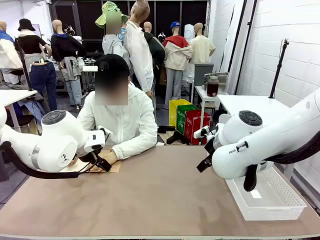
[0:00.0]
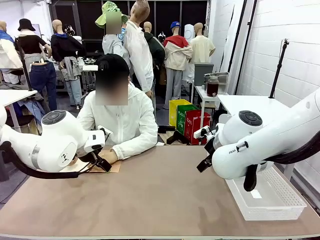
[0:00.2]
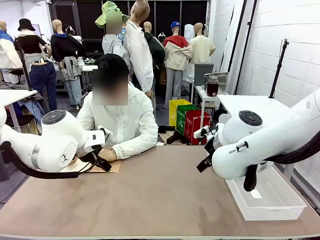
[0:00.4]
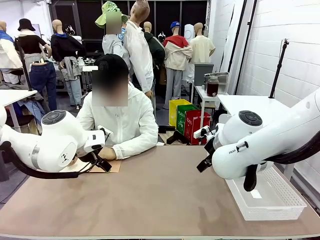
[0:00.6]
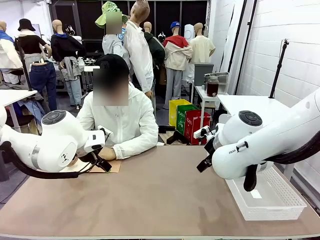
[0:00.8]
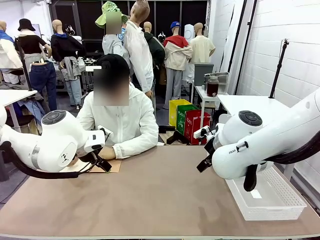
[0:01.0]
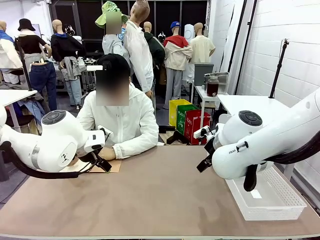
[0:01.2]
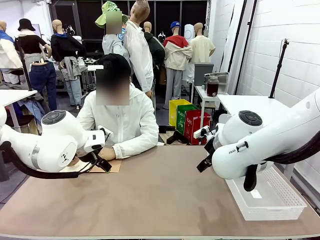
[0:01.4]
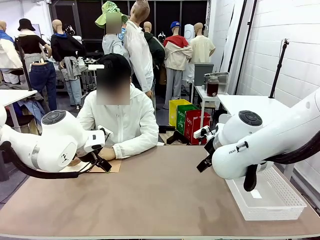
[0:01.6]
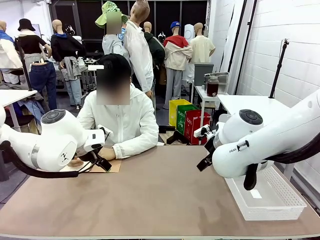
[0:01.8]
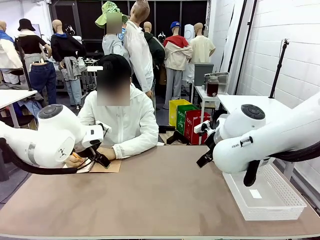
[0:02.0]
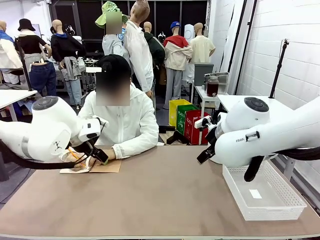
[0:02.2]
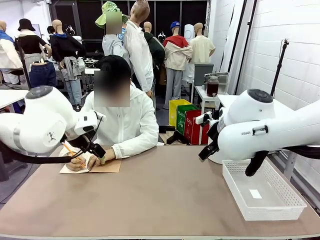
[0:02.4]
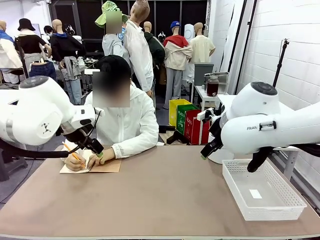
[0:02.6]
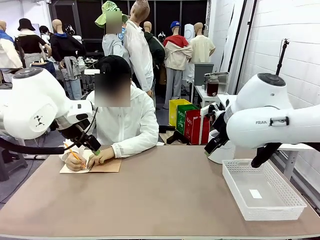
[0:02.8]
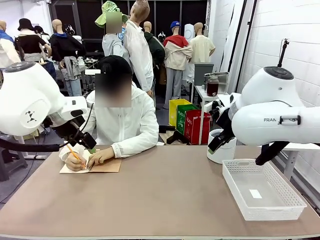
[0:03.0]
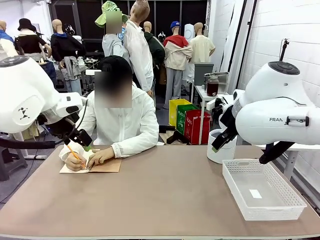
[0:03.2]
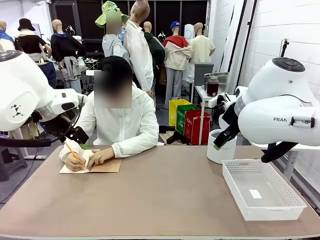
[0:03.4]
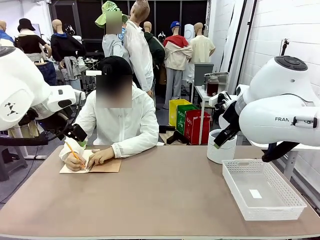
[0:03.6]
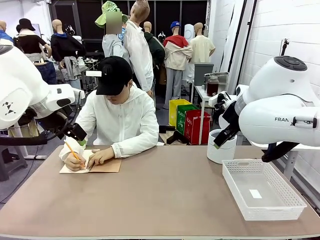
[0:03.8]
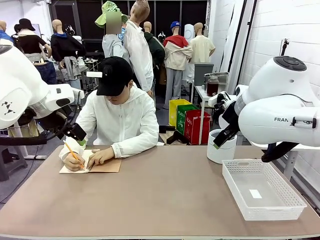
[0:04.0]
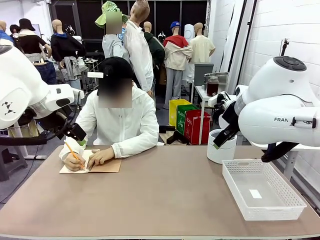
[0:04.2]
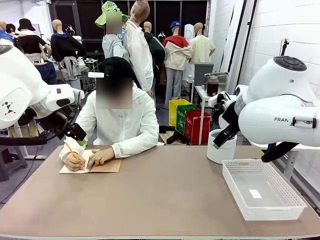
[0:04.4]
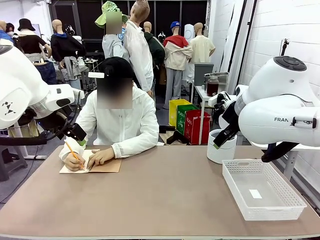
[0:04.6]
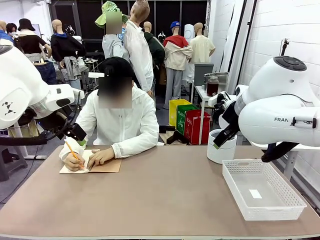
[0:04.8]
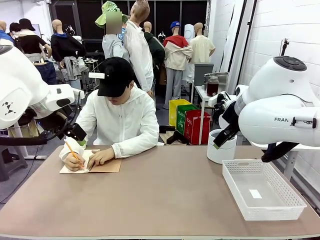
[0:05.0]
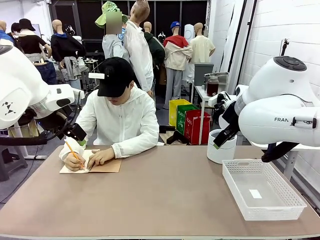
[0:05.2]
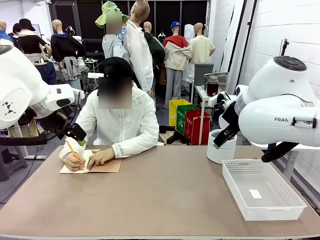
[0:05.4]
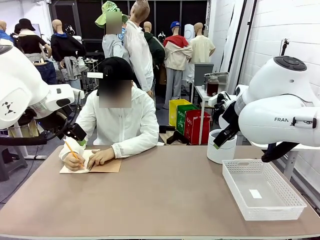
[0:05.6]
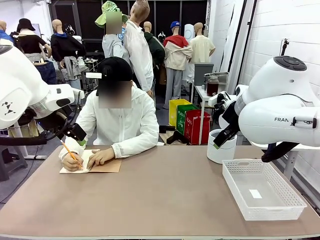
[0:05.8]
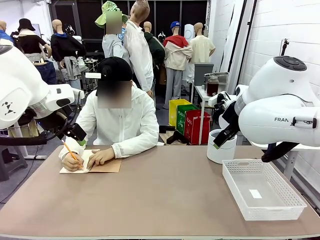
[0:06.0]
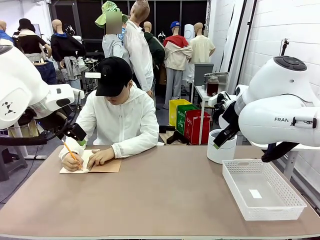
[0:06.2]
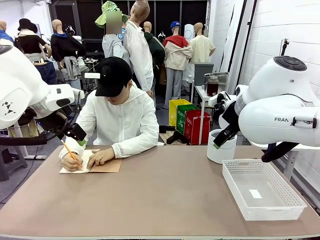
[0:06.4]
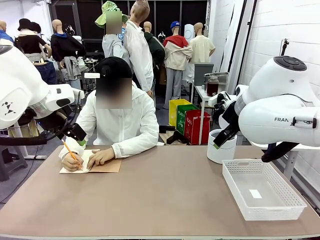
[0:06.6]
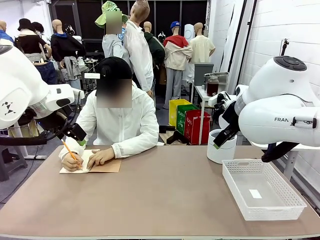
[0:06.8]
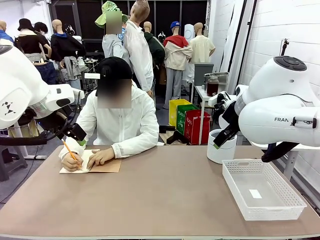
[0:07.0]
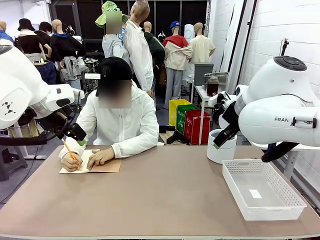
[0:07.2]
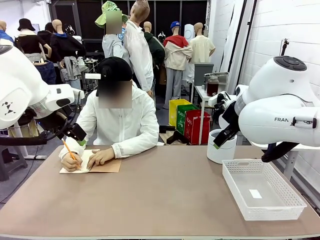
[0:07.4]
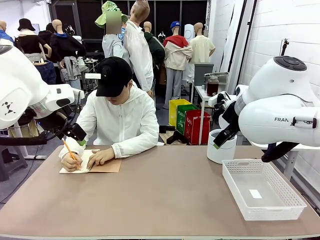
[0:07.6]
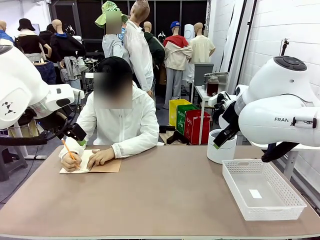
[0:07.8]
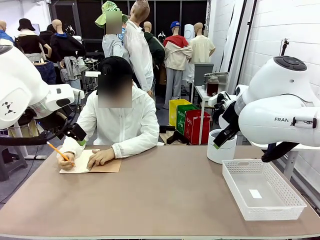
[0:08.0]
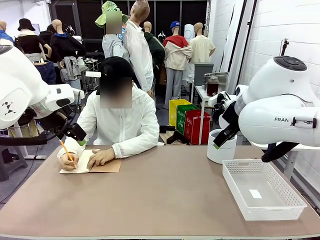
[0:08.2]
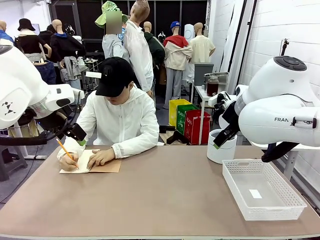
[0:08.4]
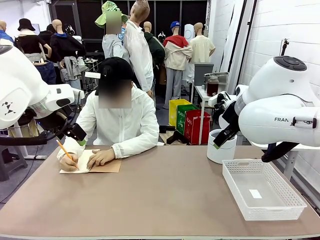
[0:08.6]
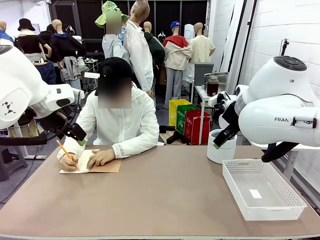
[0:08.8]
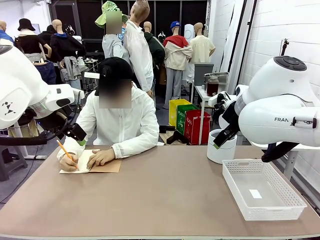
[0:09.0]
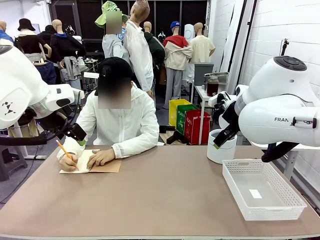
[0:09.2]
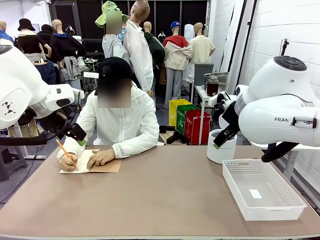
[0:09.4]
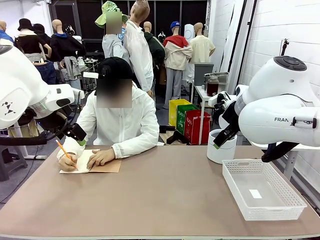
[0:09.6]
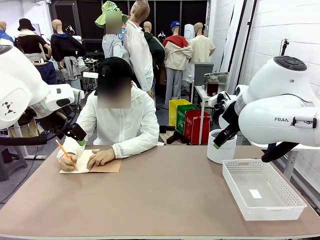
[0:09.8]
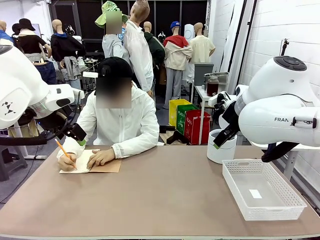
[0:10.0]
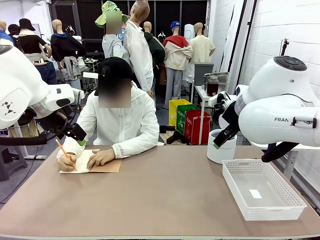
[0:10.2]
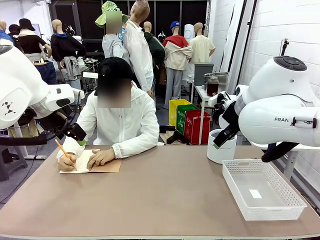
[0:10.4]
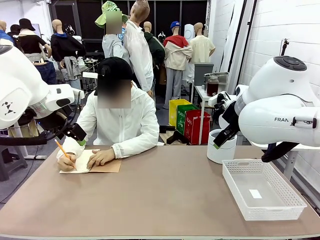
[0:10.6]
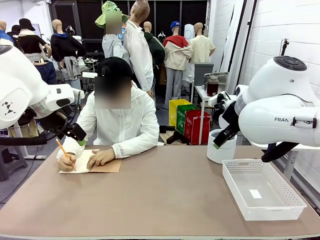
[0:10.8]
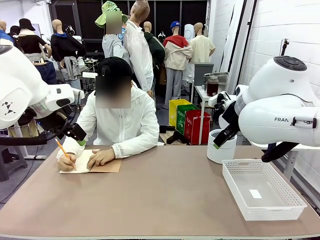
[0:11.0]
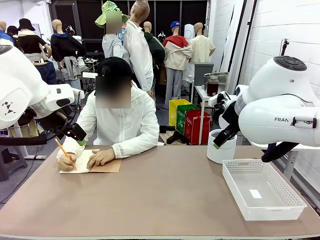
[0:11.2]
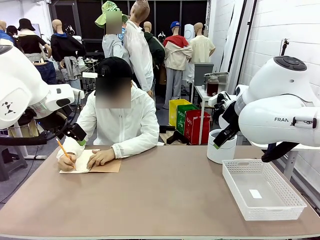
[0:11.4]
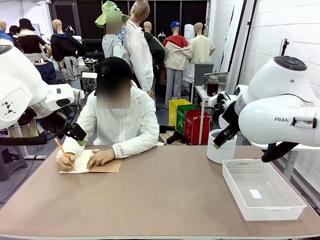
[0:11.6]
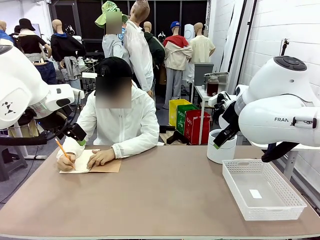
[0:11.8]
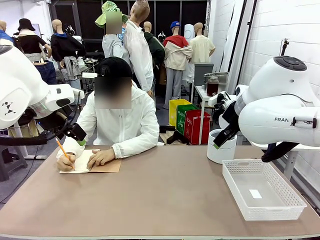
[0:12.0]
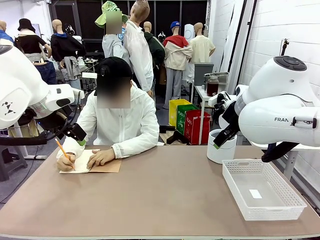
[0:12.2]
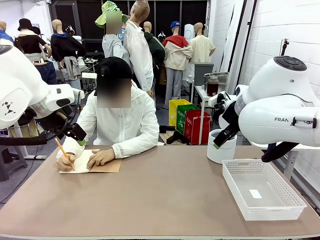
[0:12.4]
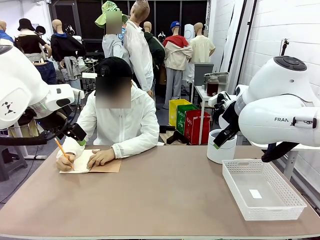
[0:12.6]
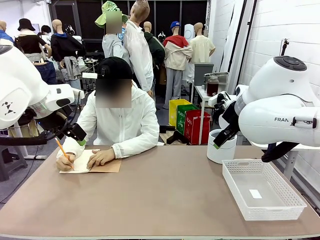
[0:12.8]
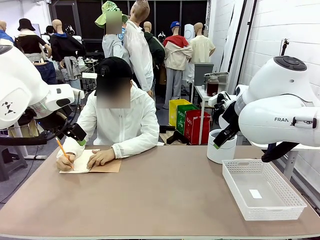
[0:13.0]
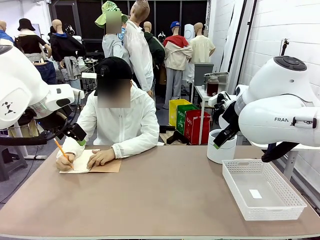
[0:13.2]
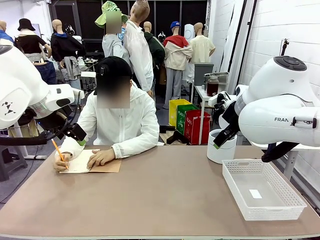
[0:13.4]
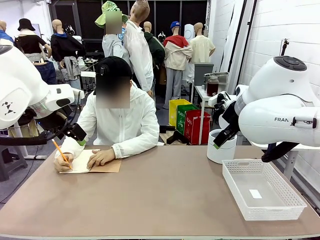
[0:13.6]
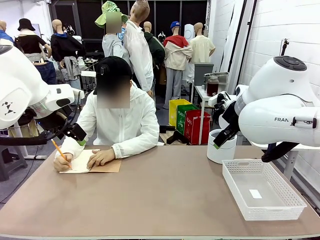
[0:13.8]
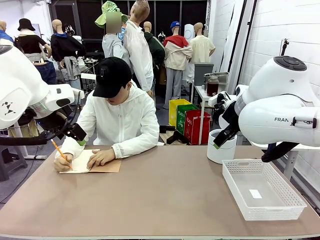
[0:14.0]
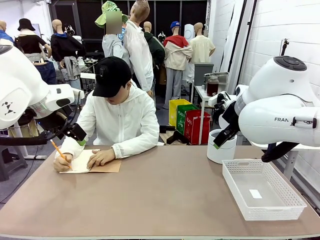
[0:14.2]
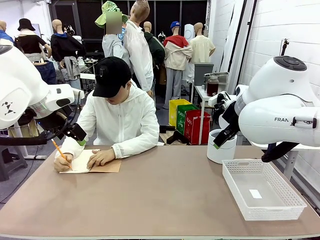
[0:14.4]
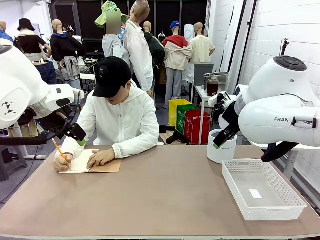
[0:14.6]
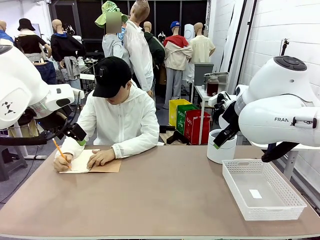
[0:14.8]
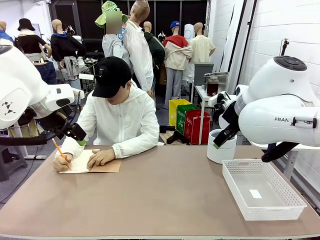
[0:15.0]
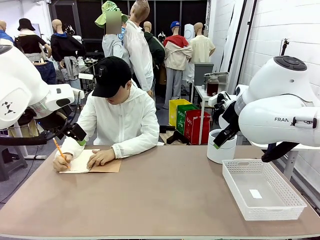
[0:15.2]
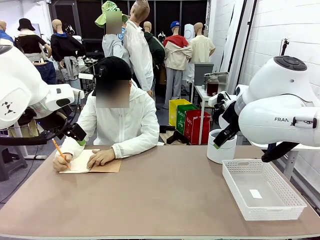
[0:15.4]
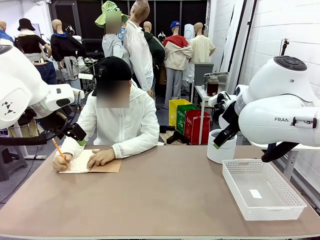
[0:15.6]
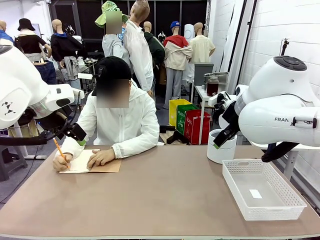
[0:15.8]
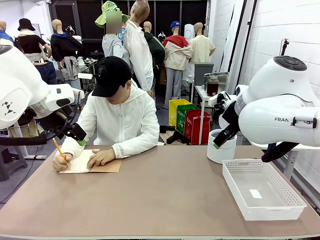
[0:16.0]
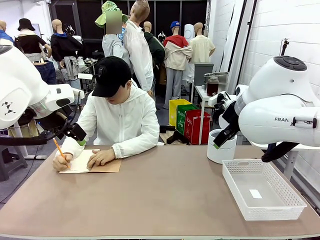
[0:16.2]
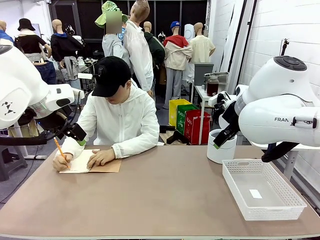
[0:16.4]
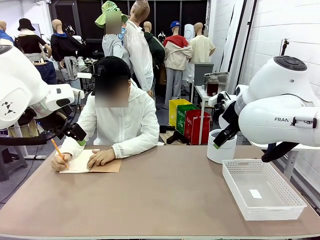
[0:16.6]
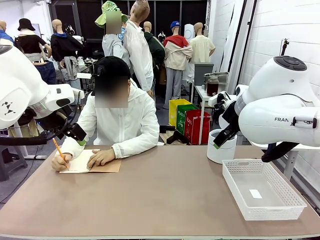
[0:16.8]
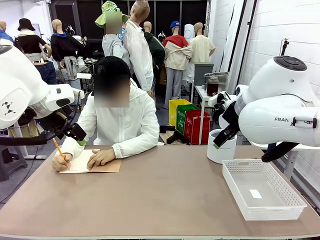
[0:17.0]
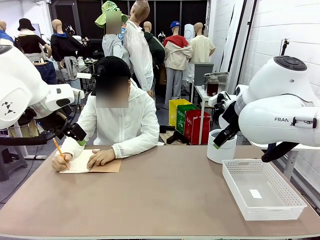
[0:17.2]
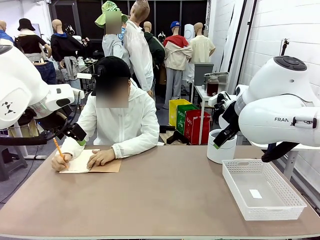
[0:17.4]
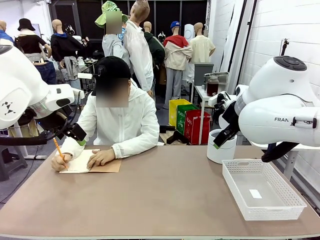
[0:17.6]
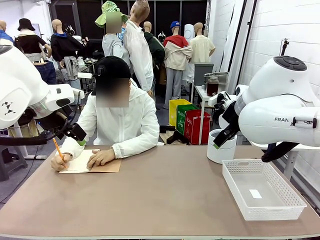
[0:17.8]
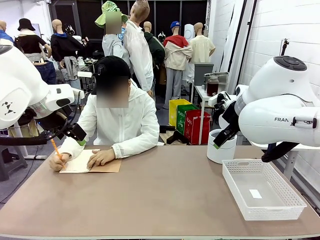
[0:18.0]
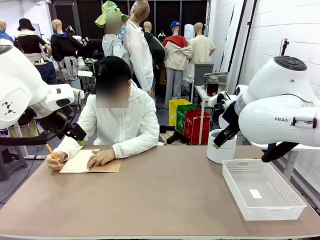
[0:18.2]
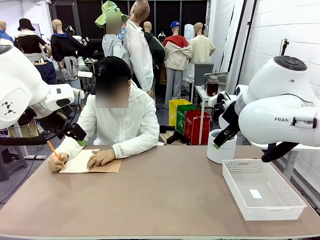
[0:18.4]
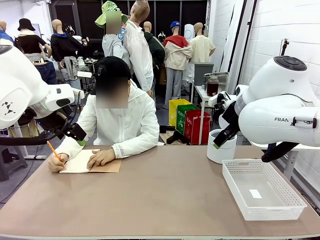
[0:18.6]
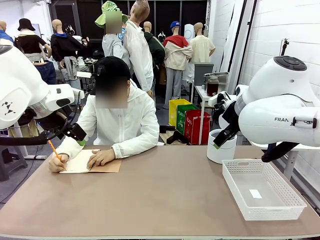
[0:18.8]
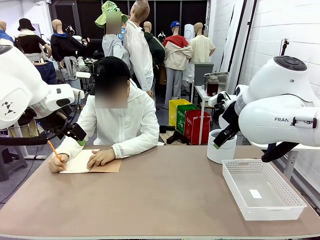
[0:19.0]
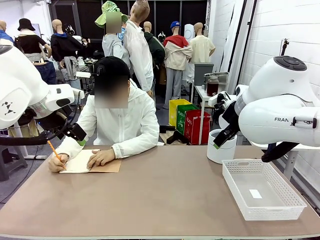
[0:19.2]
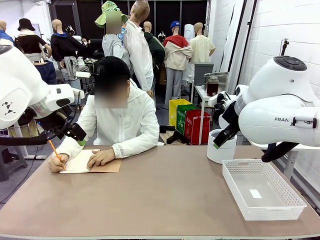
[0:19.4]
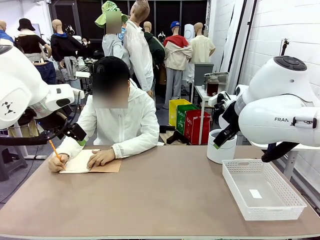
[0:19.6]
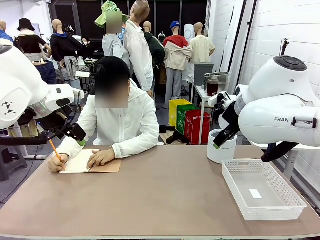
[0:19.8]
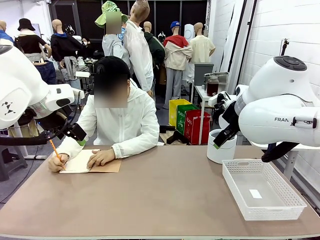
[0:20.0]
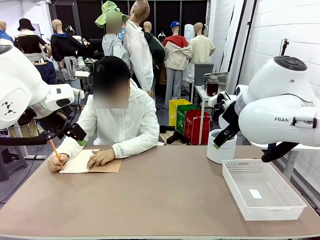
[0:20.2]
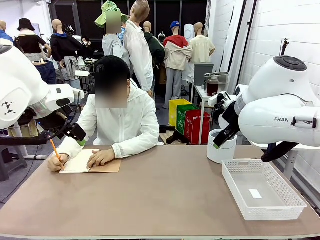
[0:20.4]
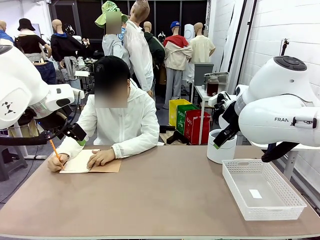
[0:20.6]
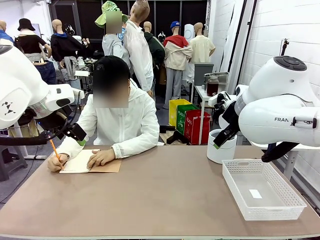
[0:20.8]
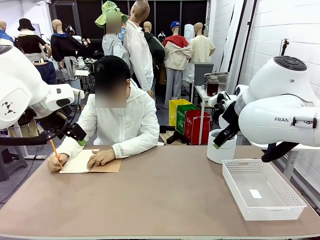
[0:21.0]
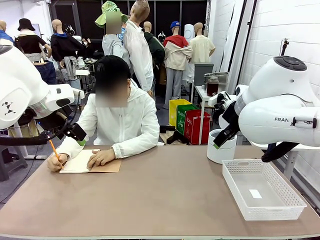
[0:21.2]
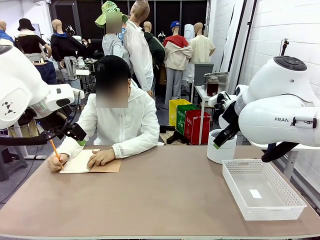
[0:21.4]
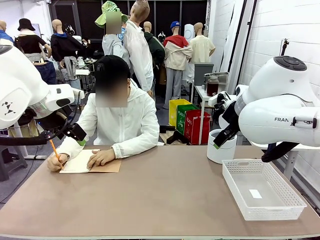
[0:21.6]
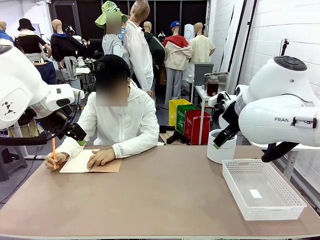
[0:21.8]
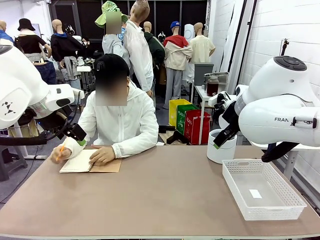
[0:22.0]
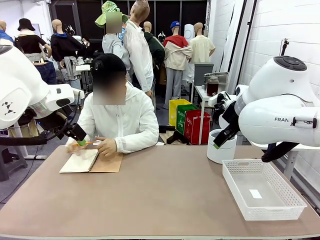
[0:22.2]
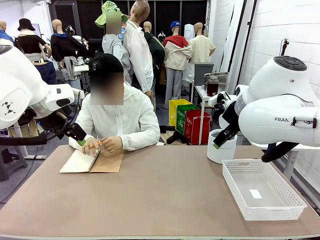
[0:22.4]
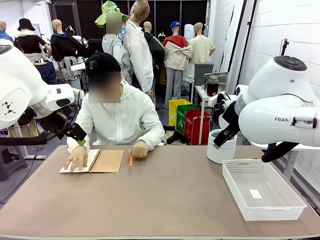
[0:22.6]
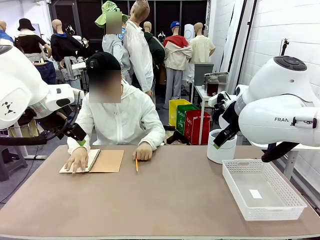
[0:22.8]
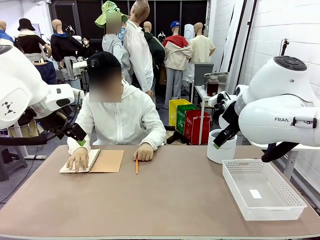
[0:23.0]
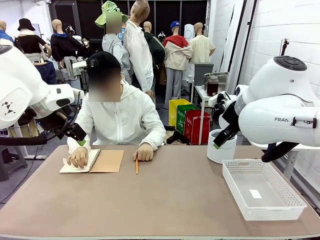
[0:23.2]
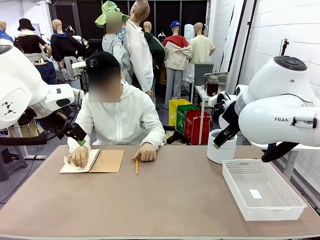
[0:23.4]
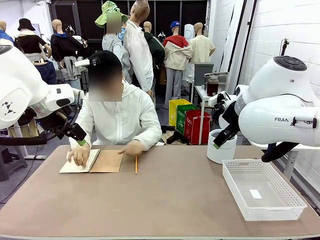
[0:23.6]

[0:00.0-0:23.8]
Task: Sort the paper based on its condition.
Robot: If a person hands you a paper, place it in the Organizing basket , and if it's crumpled, put it in the Trash can.
Person: Tear out a page from the spiral notebook.
